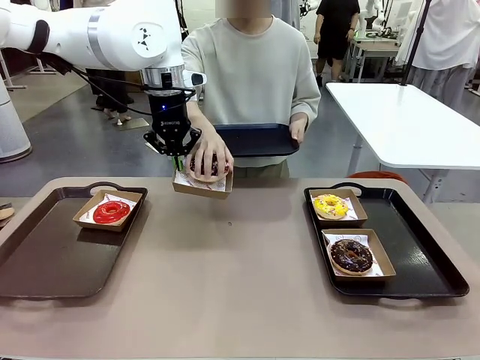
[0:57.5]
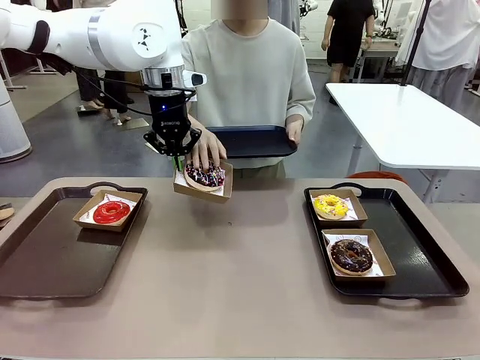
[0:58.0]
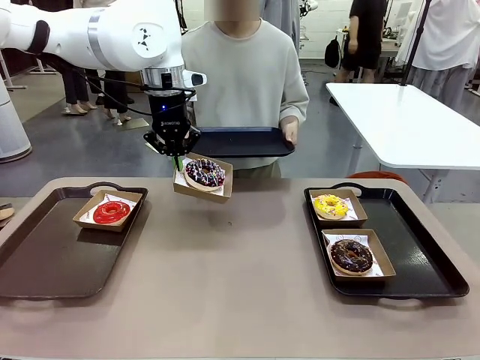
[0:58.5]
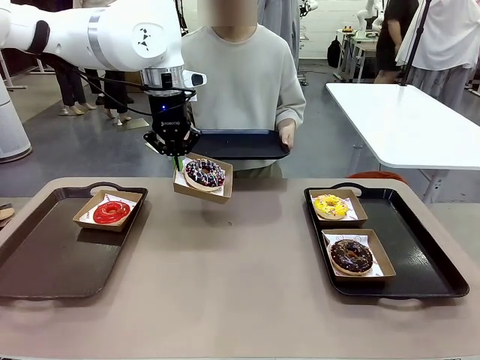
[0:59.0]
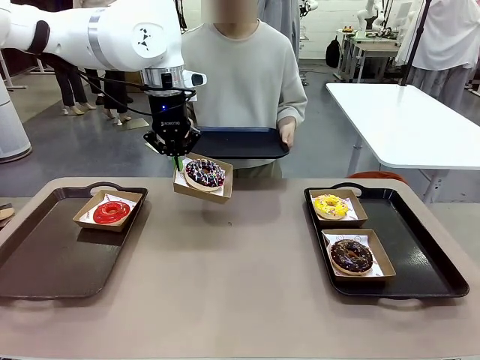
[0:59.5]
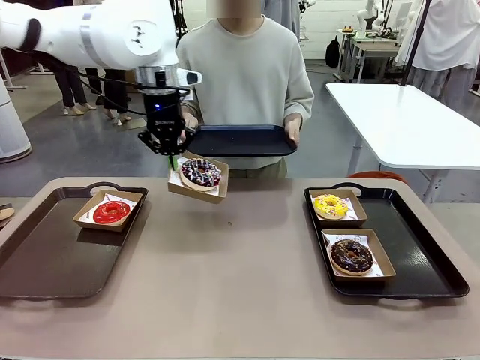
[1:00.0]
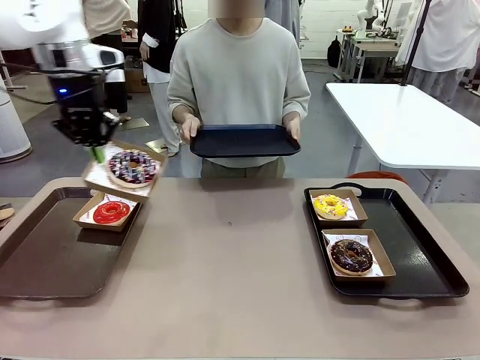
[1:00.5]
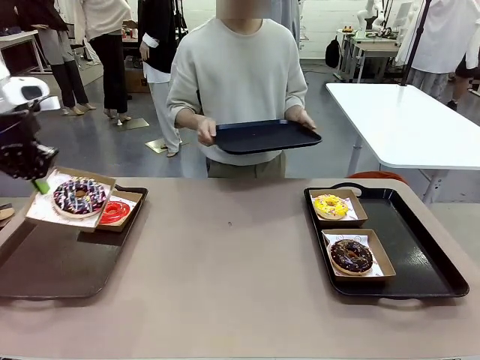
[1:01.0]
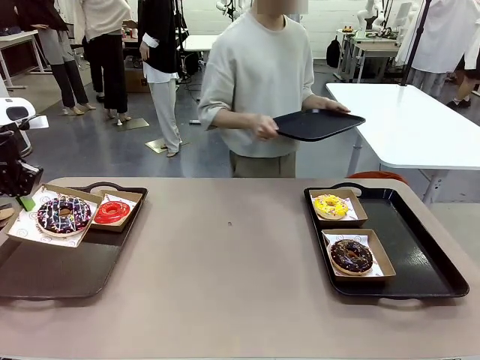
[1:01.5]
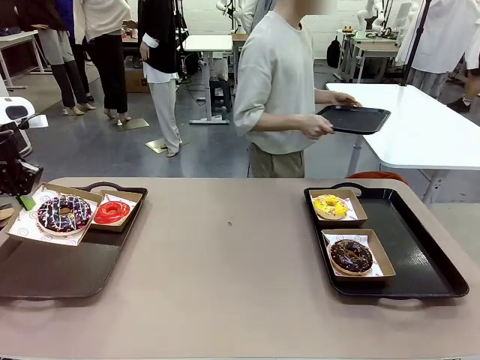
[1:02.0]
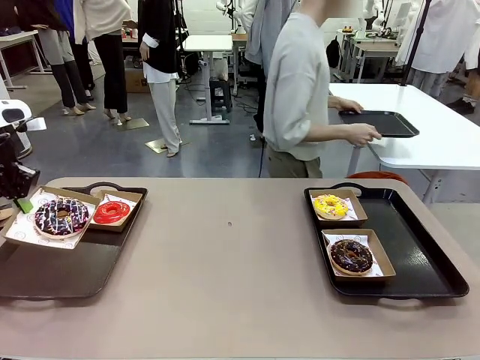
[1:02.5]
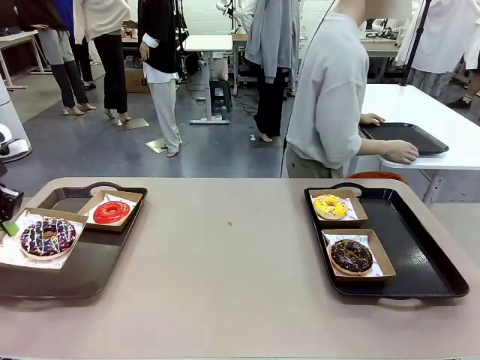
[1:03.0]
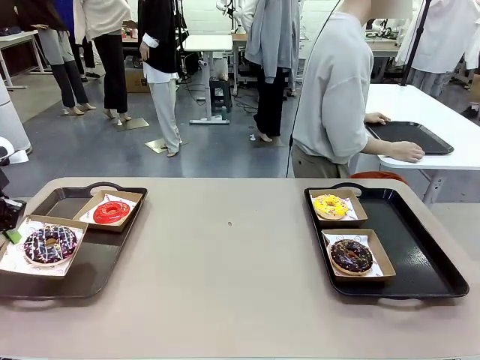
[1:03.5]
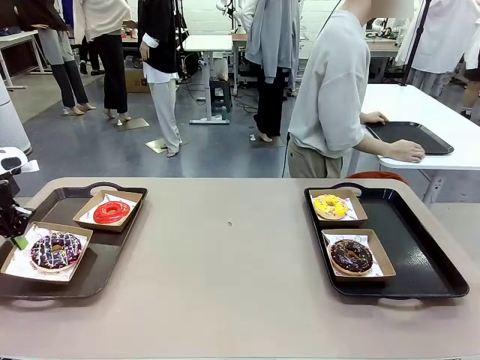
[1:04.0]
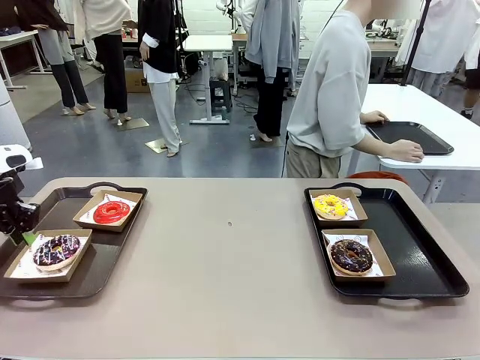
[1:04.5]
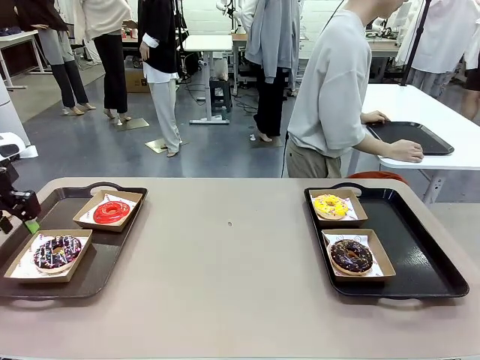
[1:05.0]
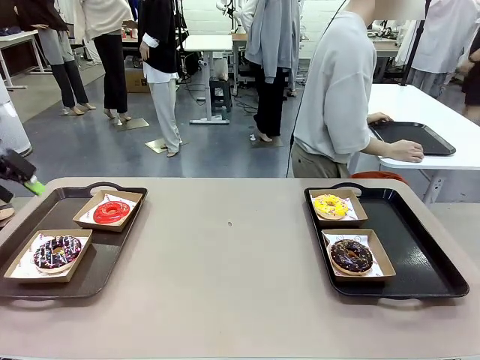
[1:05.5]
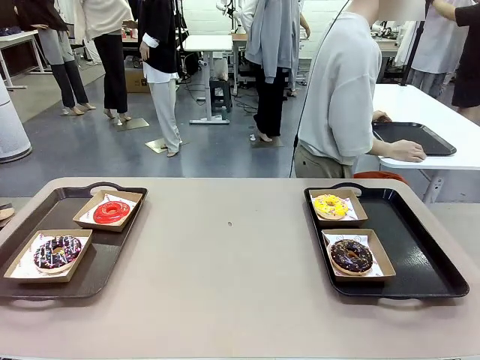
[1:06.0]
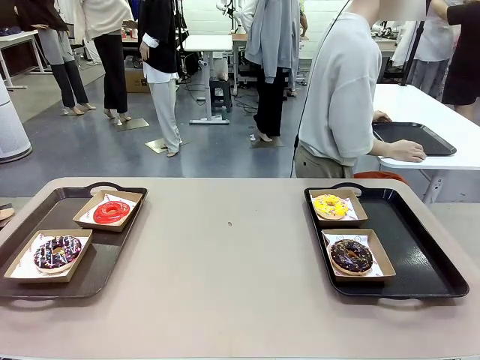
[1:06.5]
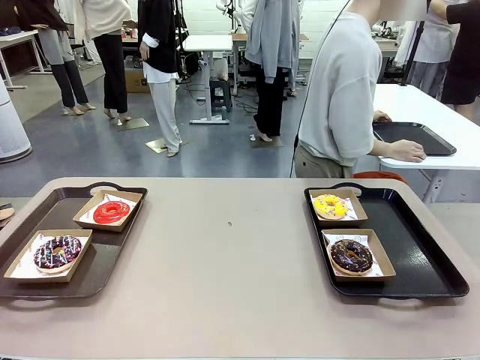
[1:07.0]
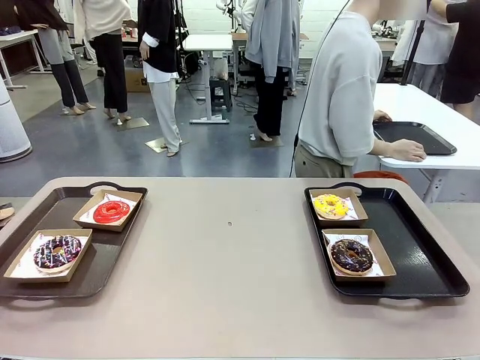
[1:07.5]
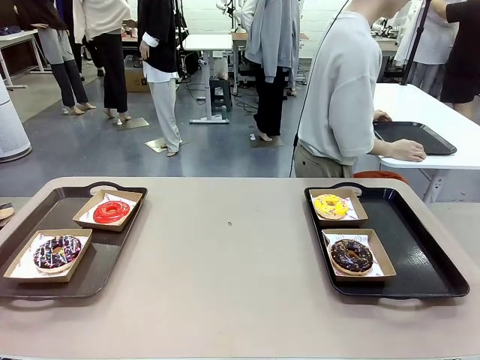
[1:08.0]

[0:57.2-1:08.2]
Task: Individually package the donuts and arrange them on the tray.
Robot: Place the picked Paper togo box on the Handle tray.
Person: Place the tray down in the middle of the human table.

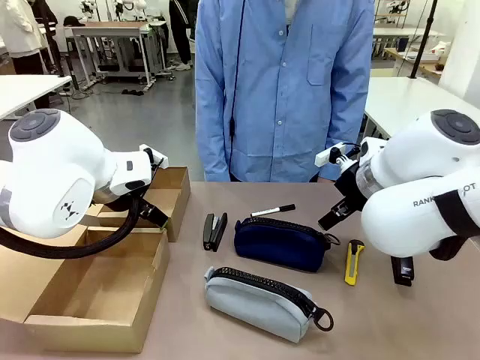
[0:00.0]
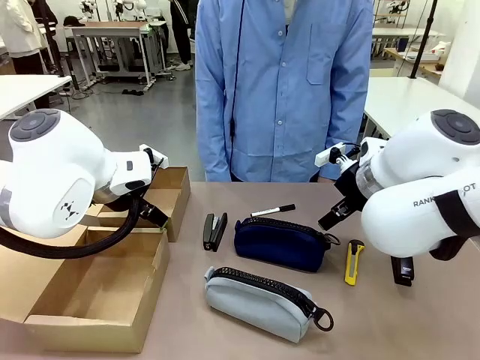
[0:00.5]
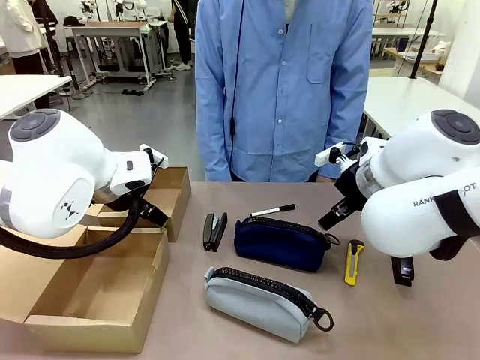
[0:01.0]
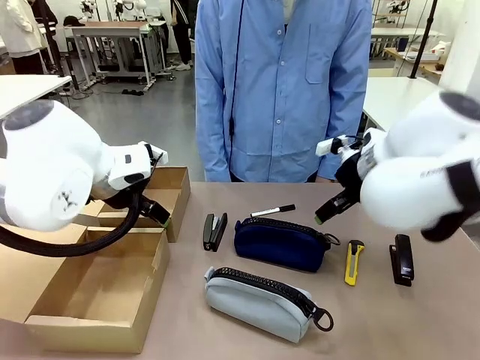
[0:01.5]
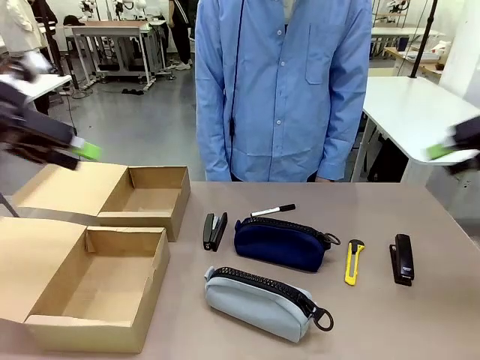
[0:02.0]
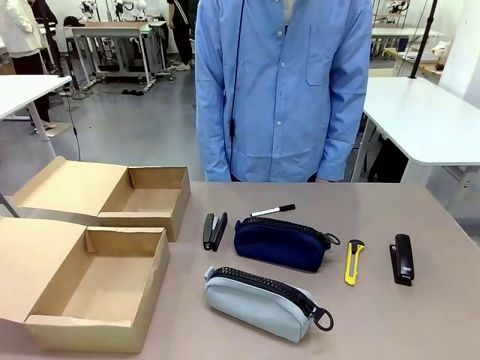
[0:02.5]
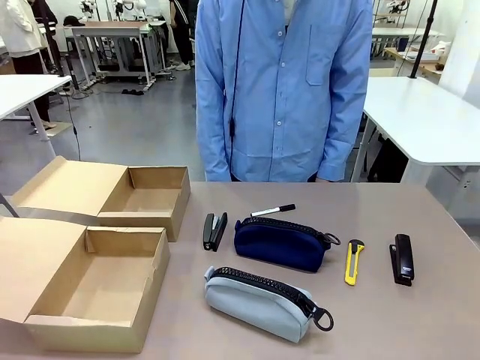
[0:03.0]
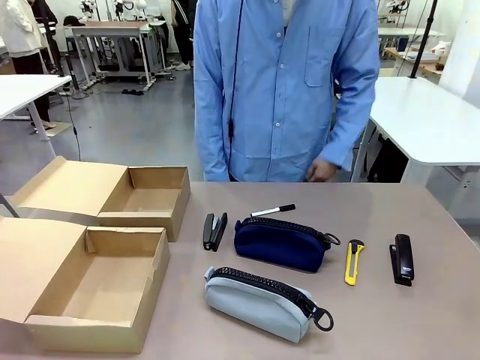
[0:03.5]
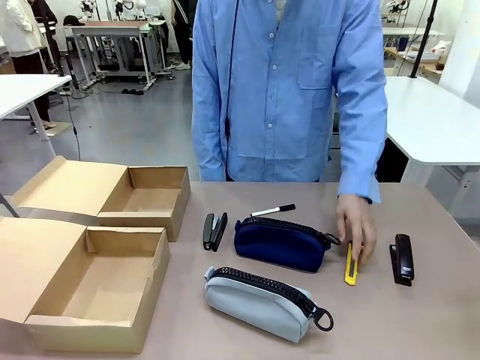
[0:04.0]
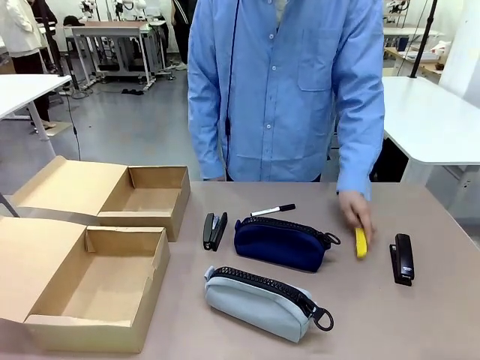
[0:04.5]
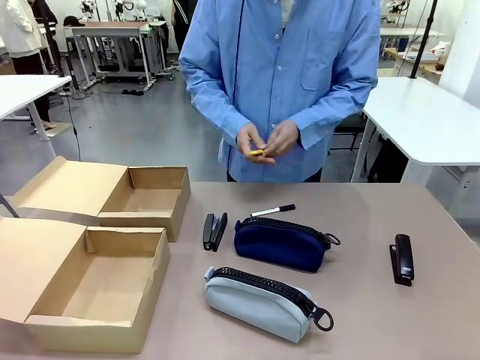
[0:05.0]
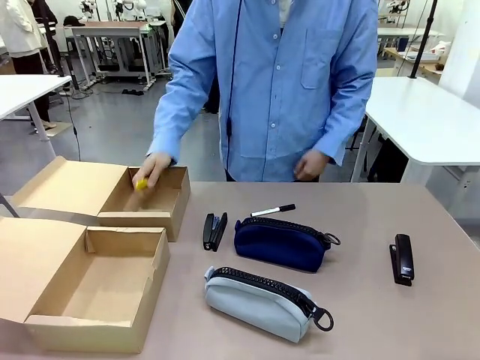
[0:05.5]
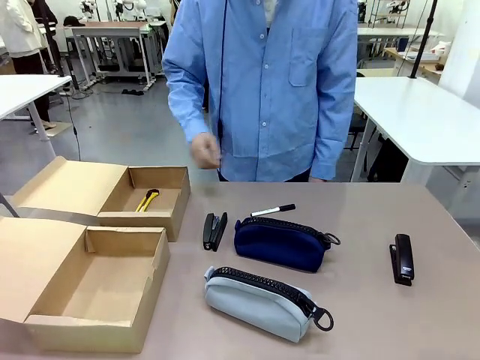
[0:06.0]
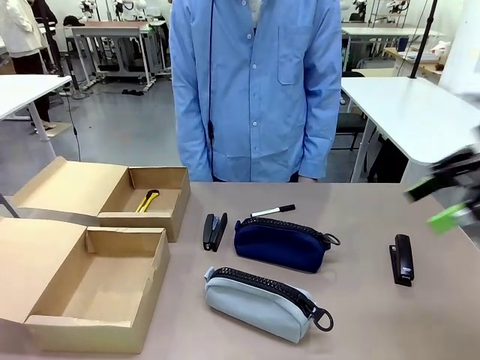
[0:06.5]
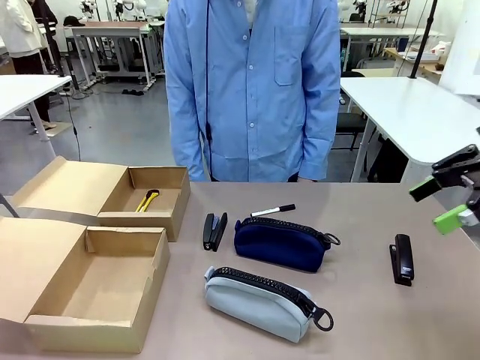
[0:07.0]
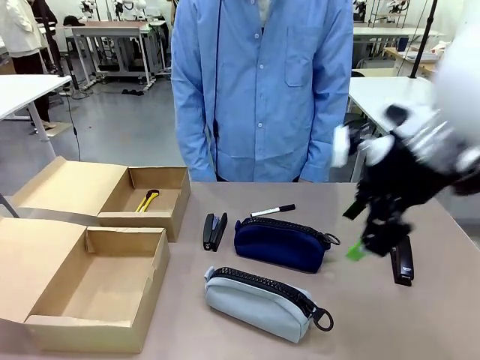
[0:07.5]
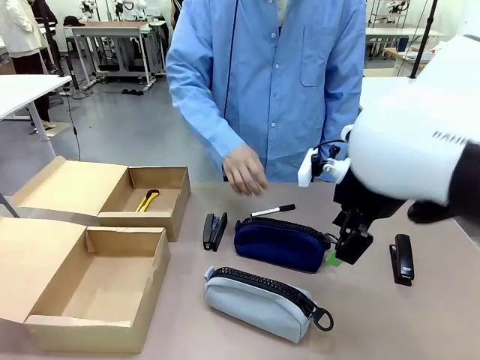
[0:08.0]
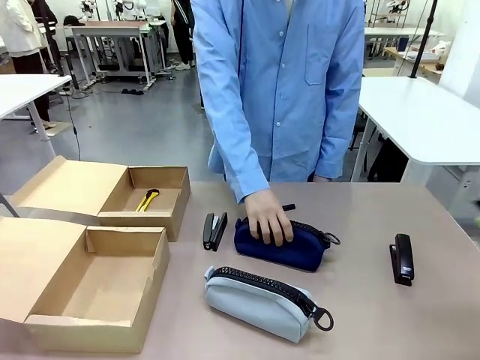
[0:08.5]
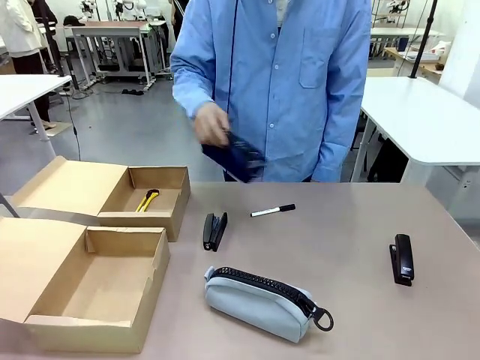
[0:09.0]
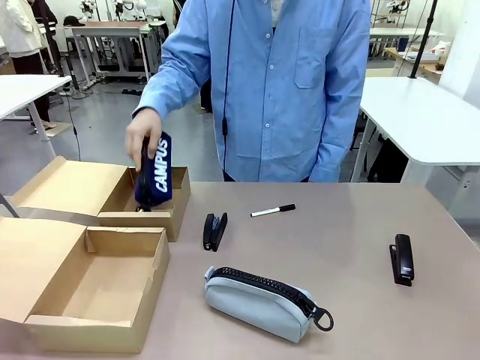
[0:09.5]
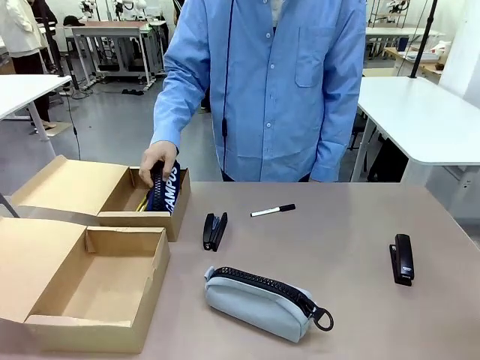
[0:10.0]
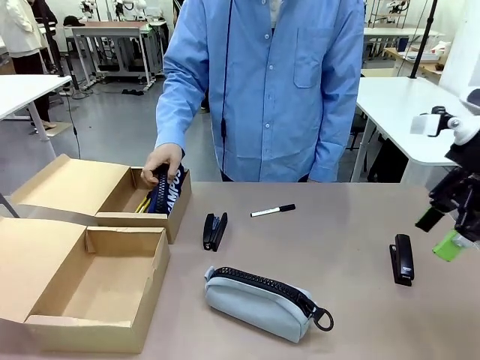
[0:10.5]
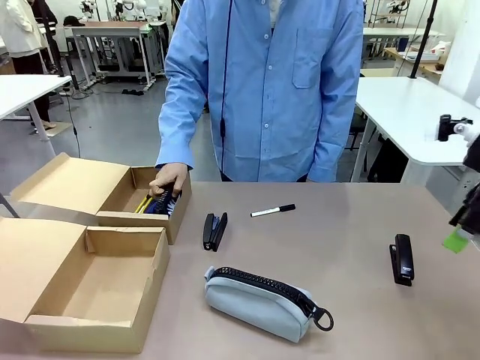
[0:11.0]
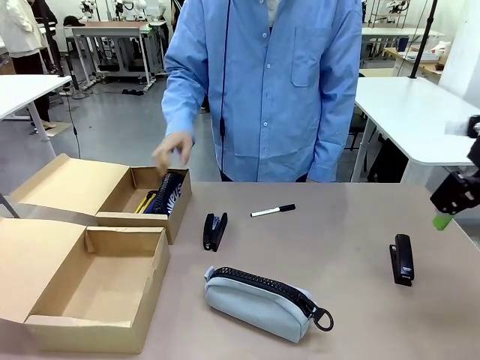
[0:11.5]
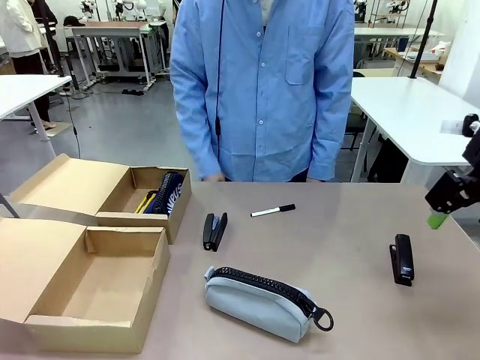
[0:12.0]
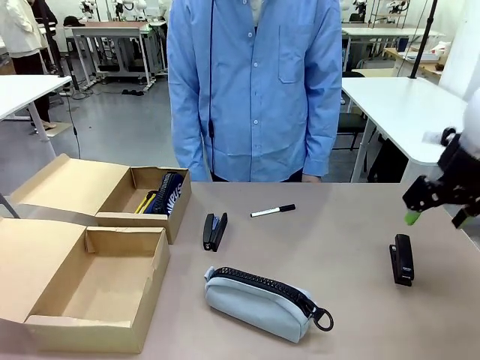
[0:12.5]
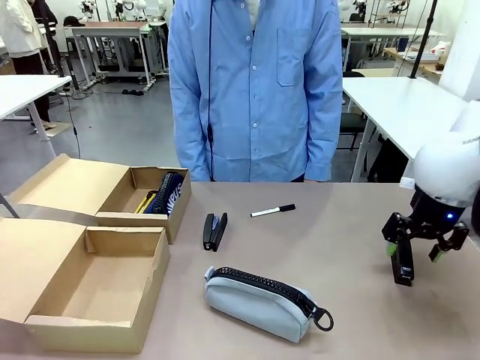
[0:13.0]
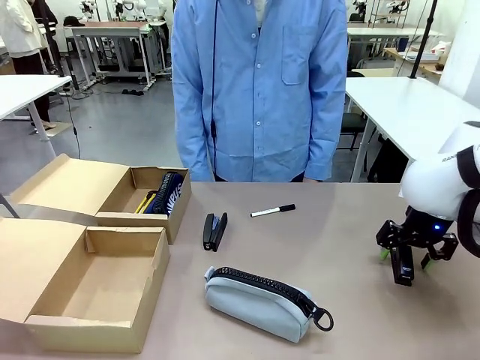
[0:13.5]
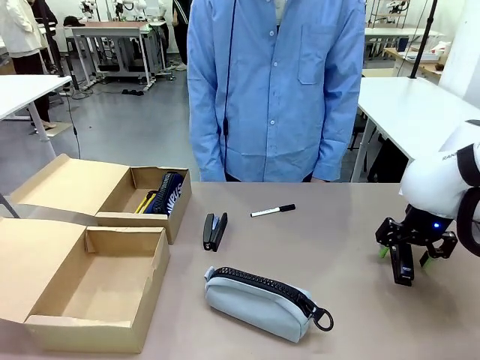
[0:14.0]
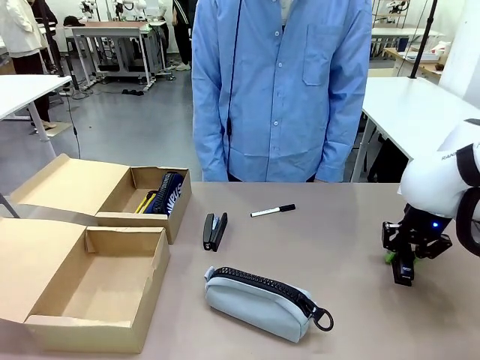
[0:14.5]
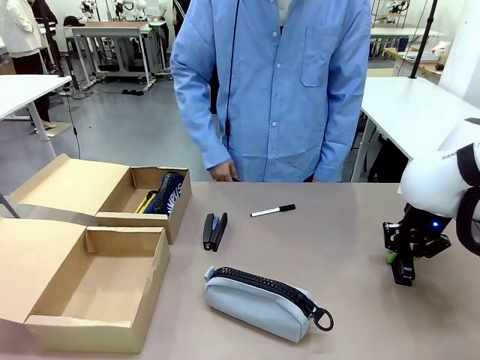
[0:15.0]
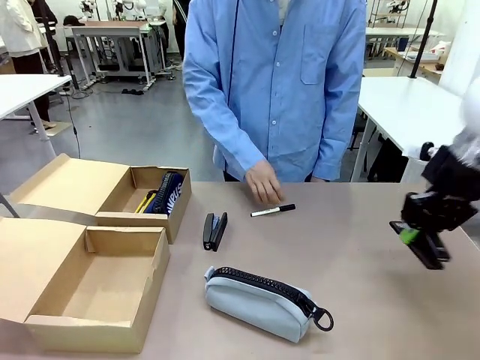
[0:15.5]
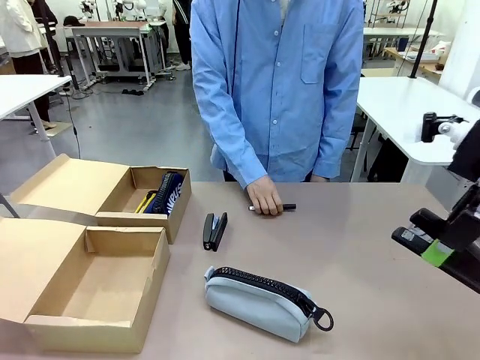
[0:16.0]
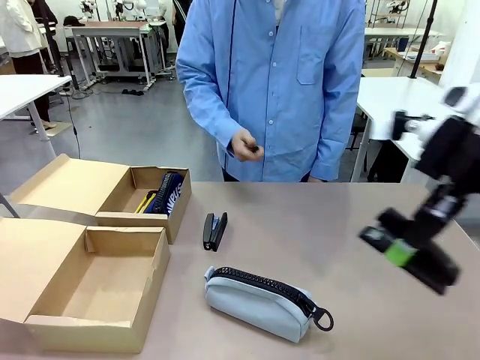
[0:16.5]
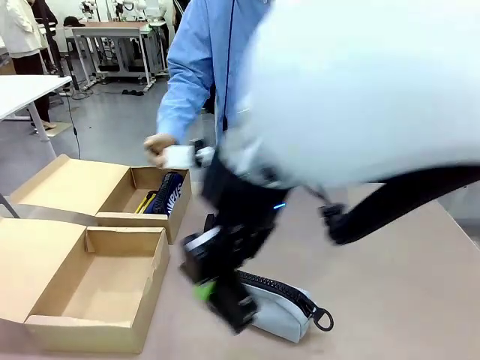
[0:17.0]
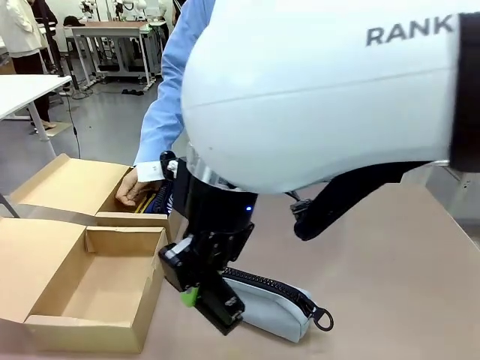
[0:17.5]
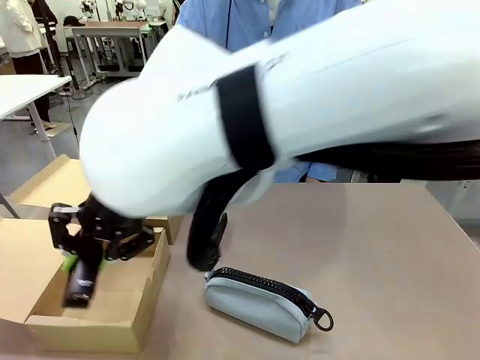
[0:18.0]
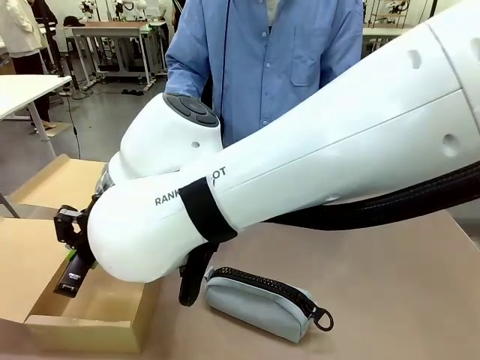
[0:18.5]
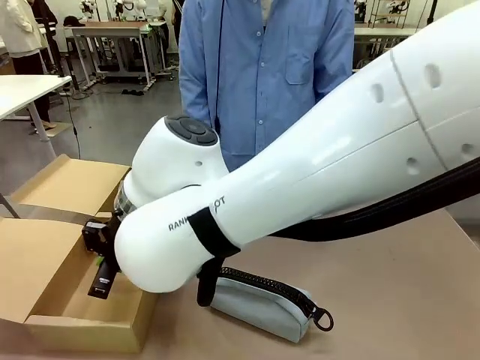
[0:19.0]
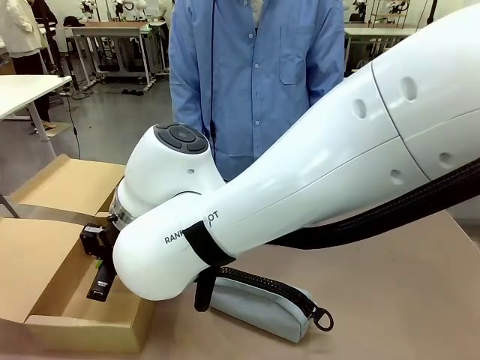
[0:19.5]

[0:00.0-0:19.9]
Task: Place items inside the box.
Robot: Pick up a Pencil pouch or Stapler and place it inside the Mailer Box closest to the robot.
Person: Pick up an object on the table and put it in the box.
